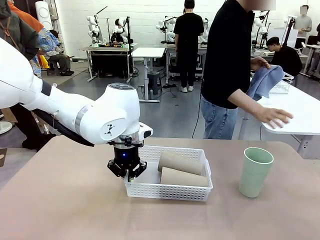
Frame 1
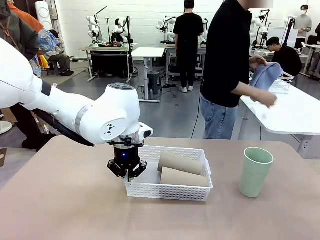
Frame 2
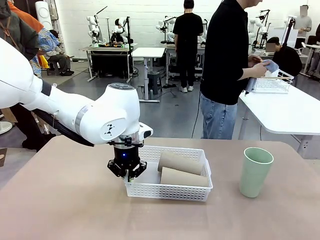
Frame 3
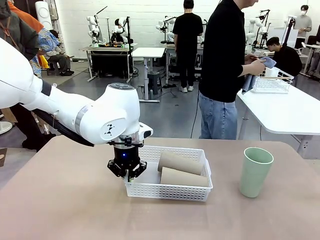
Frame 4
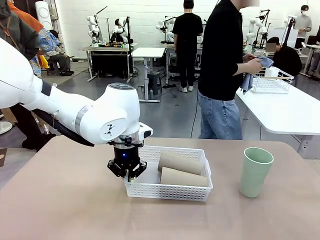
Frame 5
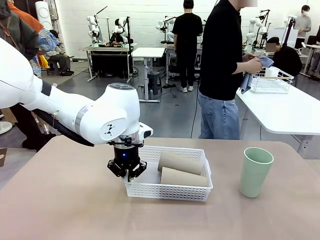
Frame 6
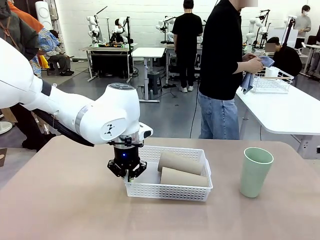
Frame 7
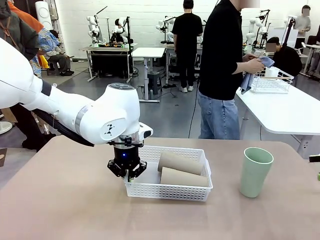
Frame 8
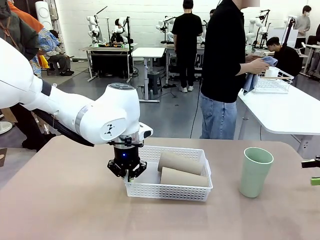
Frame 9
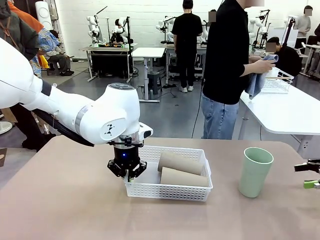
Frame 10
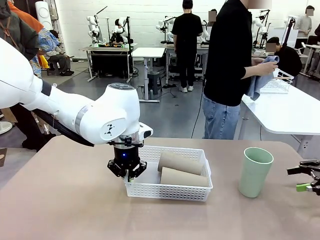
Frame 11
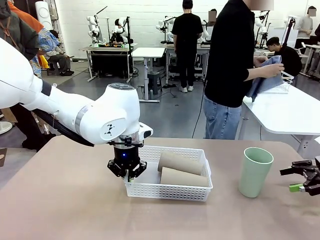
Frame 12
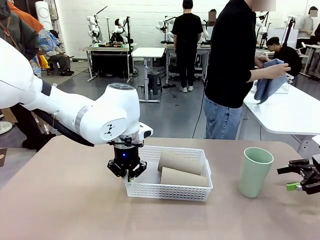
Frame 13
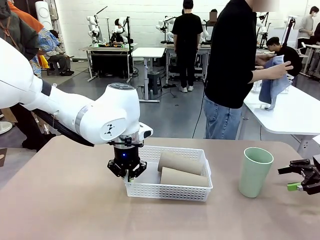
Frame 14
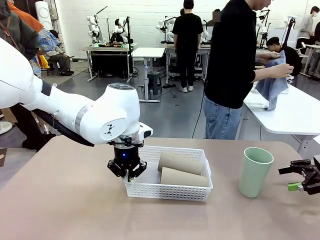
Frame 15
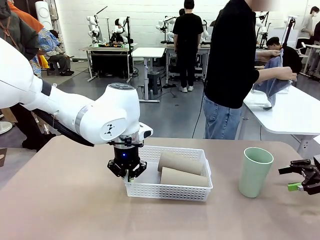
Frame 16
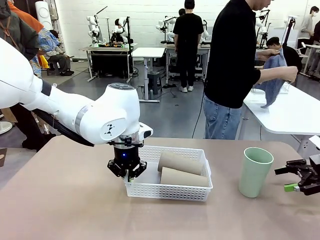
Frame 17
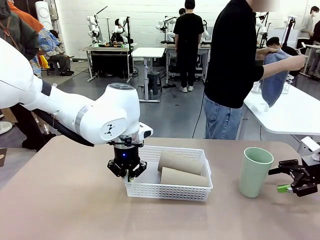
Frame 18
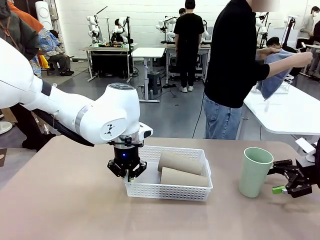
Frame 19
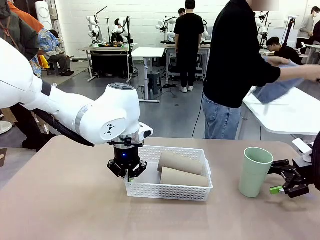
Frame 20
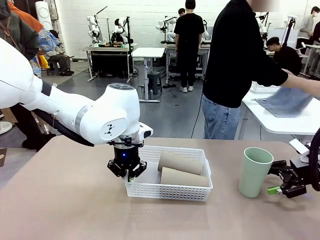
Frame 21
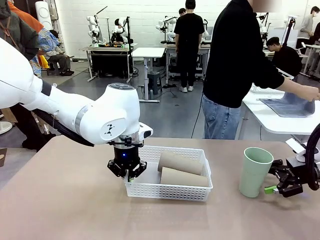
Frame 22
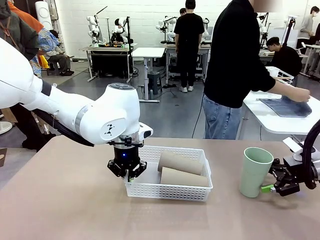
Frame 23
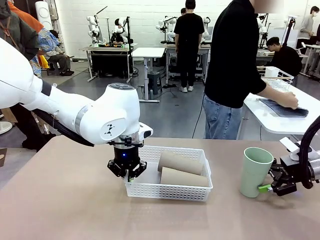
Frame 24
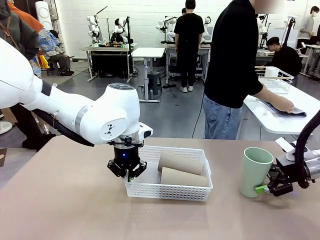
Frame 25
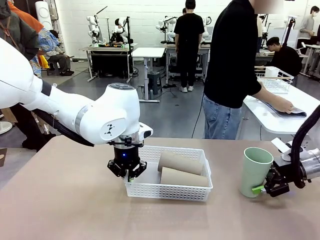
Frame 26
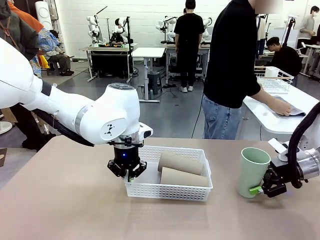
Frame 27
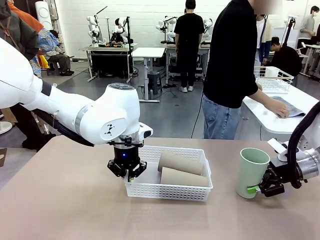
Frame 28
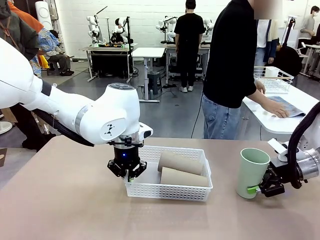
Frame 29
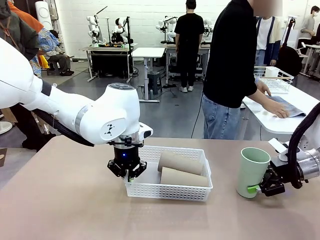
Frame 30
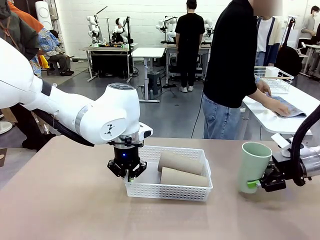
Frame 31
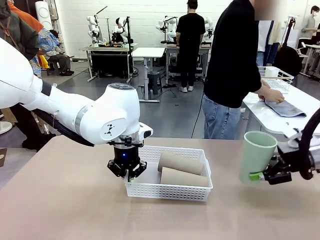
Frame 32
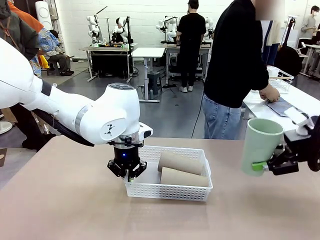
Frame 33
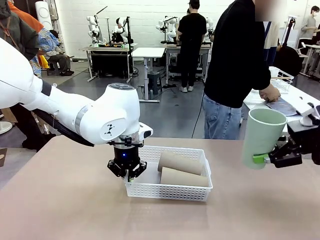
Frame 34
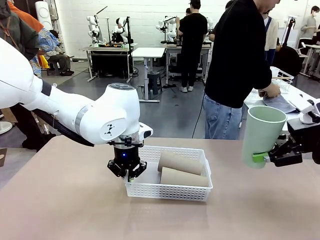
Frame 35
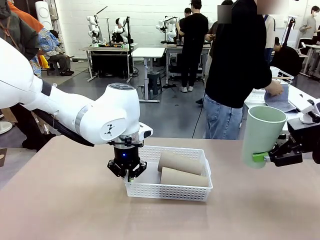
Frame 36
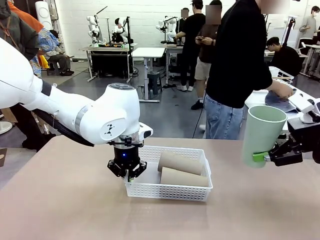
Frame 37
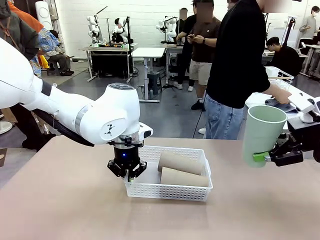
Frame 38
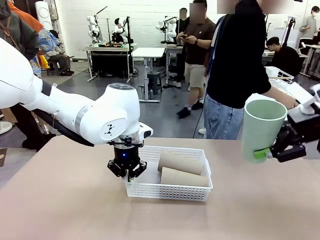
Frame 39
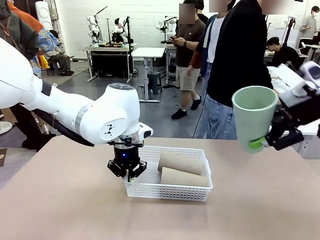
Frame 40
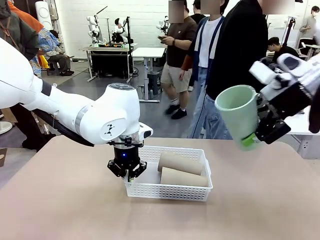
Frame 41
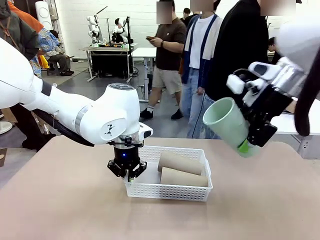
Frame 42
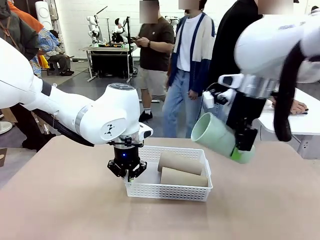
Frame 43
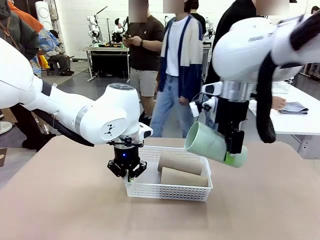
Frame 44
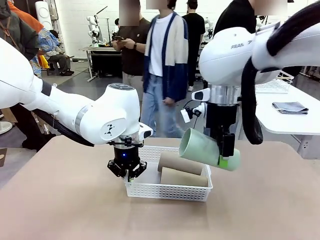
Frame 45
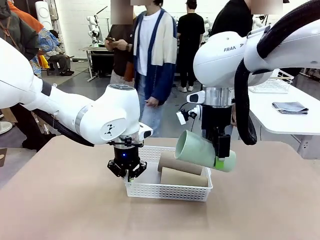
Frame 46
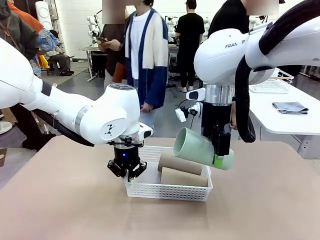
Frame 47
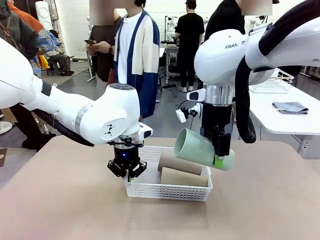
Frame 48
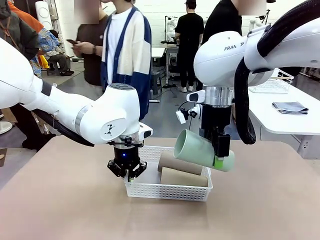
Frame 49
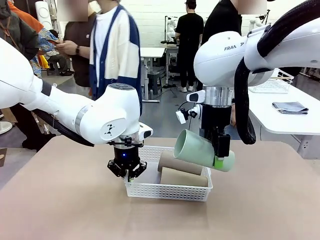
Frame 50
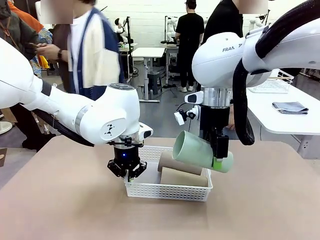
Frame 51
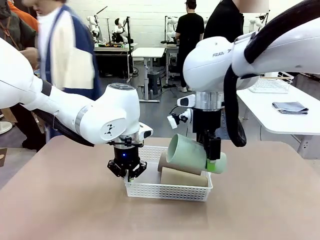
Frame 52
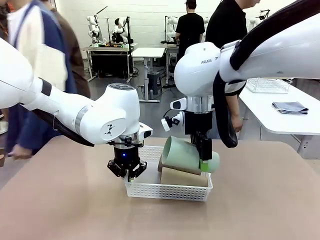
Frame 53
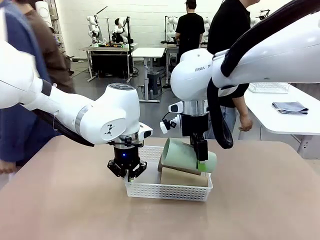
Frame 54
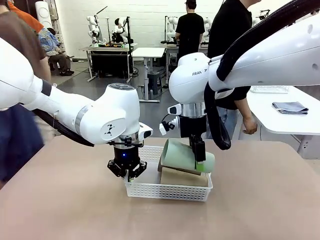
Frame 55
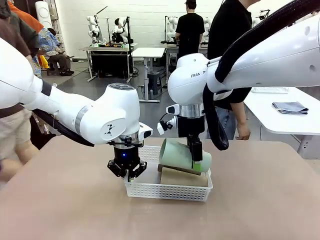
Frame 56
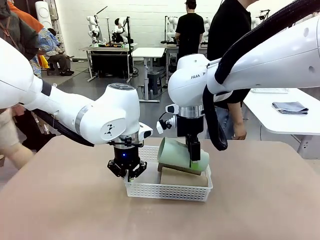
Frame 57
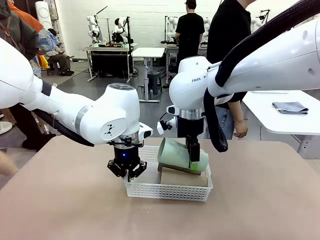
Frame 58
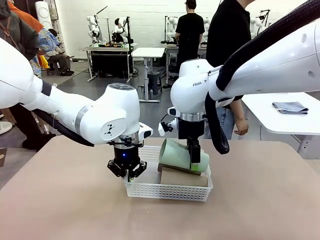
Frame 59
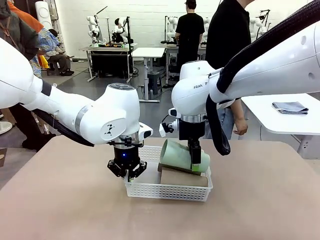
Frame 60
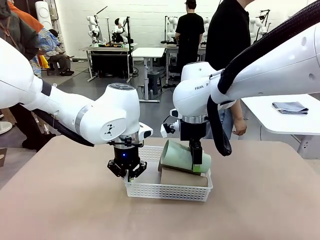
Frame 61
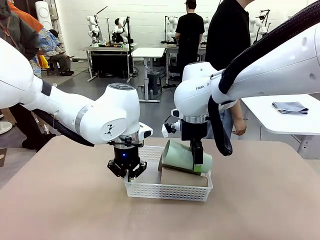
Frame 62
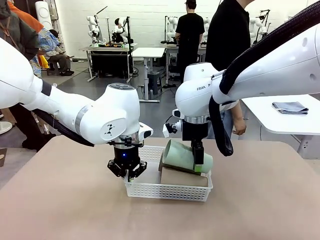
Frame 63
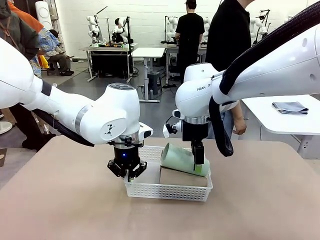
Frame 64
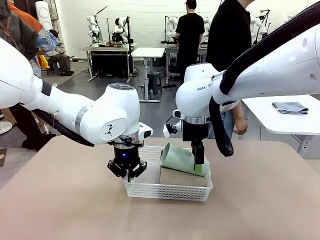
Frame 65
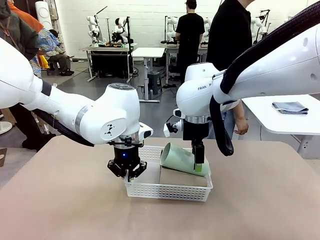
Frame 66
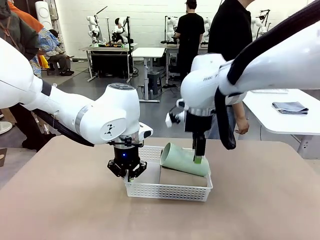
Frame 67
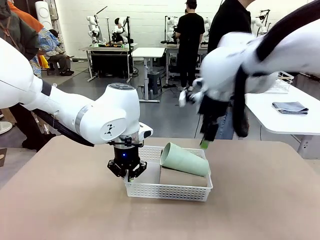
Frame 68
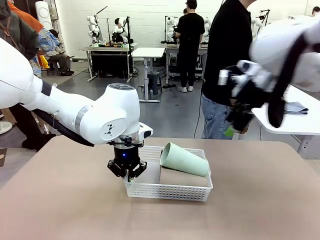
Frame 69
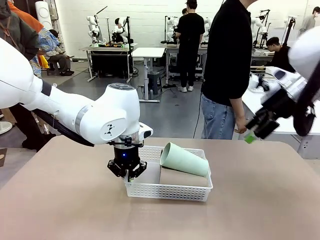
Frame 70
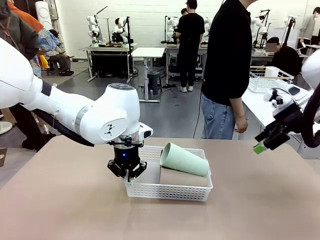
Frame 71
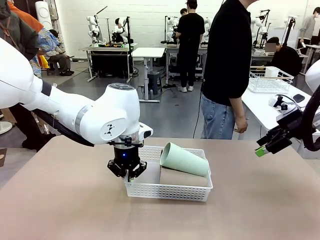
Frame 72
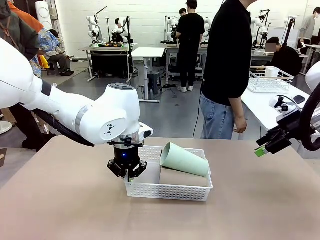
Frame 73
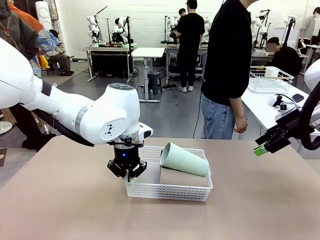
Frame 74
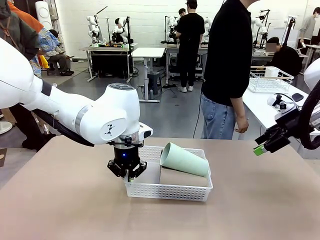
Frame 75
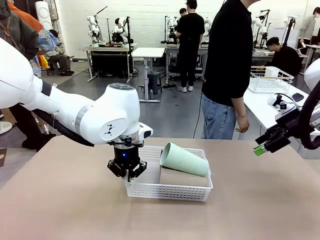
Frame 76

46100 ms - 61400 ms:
Task: Clean and organize the cups into the basket.
Robot: Pick up the Reusable plastic cup from the right side of the table and stack it inside the Organizing basket in the center of the table.
Person: Folds the towel in half twice and places it in the right of the table.
